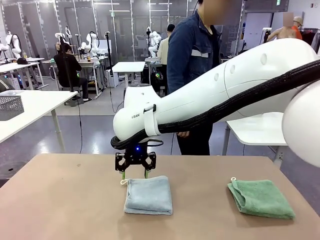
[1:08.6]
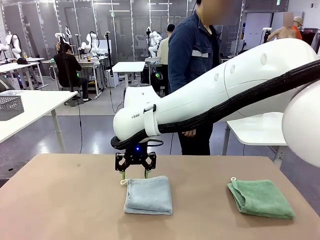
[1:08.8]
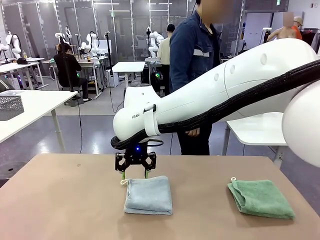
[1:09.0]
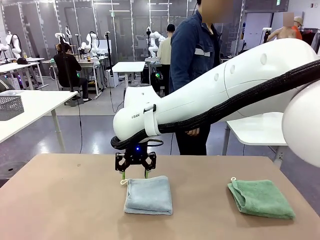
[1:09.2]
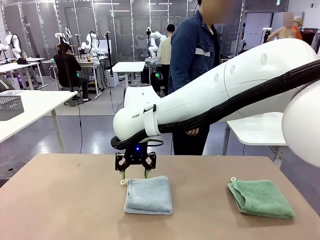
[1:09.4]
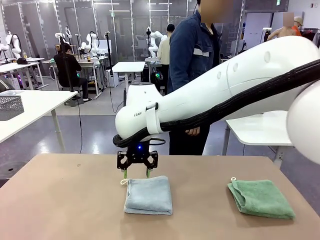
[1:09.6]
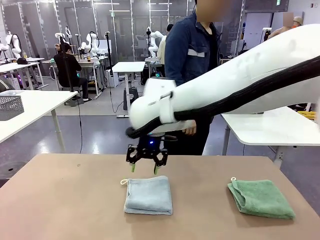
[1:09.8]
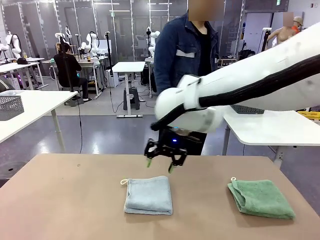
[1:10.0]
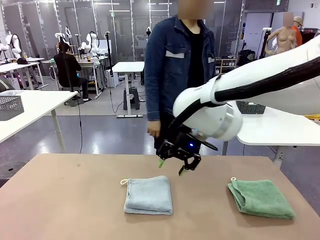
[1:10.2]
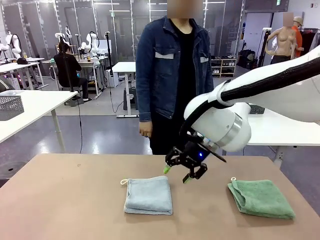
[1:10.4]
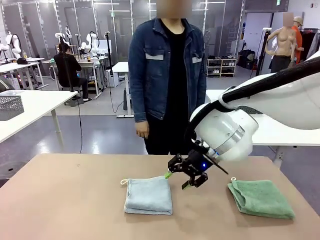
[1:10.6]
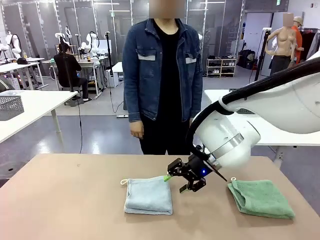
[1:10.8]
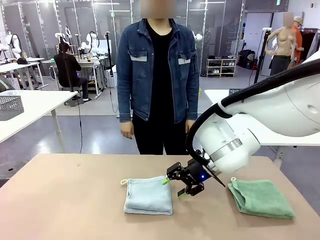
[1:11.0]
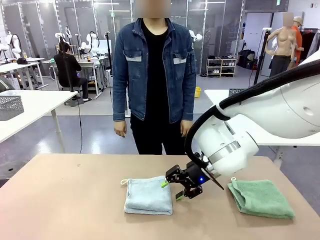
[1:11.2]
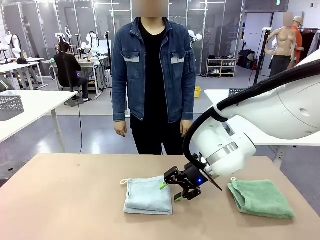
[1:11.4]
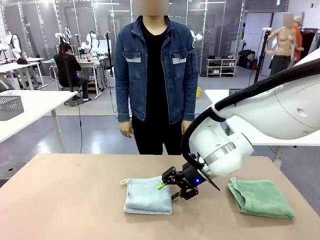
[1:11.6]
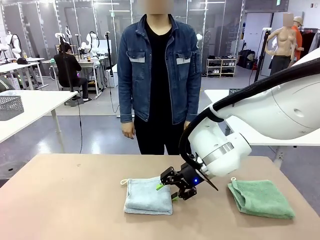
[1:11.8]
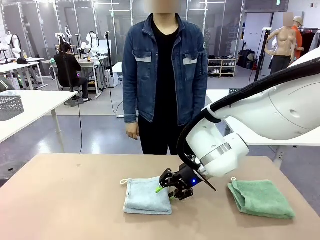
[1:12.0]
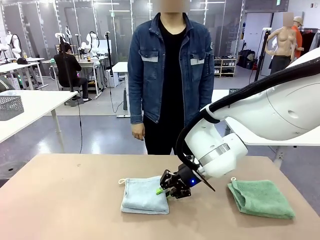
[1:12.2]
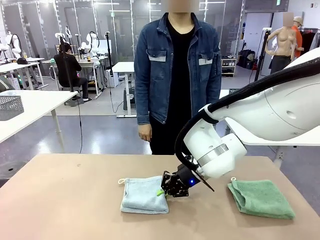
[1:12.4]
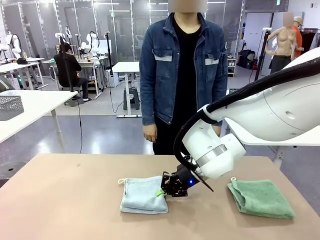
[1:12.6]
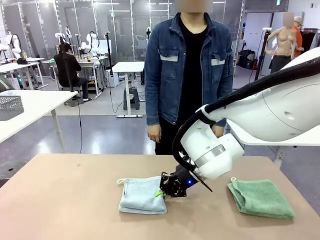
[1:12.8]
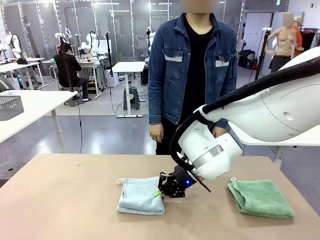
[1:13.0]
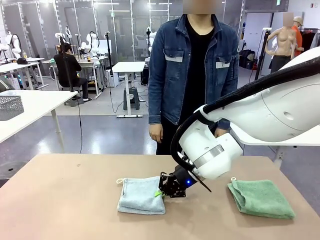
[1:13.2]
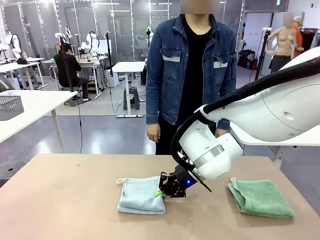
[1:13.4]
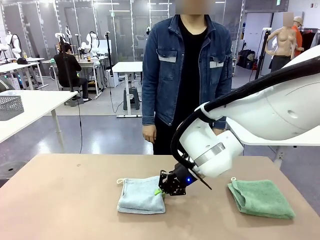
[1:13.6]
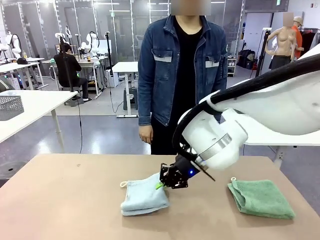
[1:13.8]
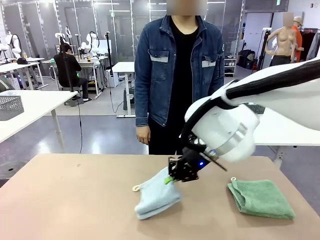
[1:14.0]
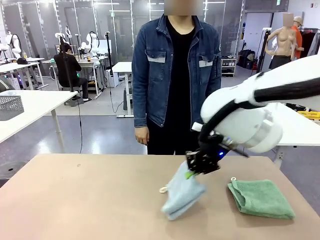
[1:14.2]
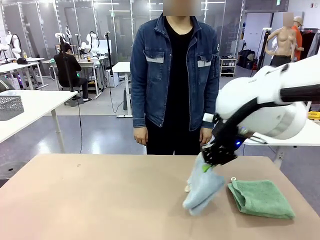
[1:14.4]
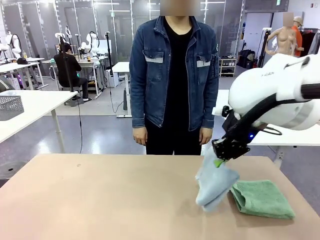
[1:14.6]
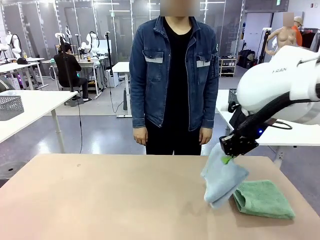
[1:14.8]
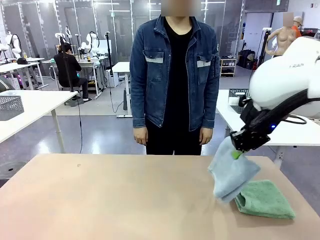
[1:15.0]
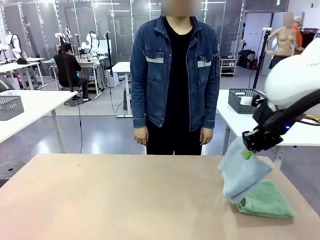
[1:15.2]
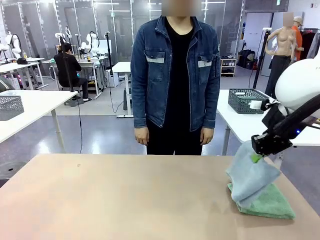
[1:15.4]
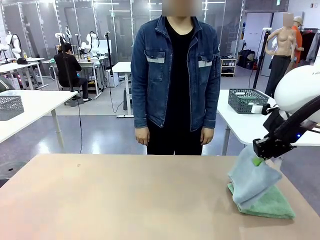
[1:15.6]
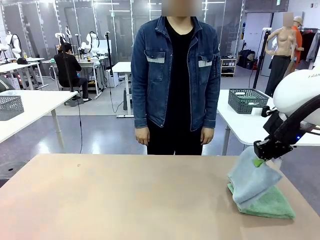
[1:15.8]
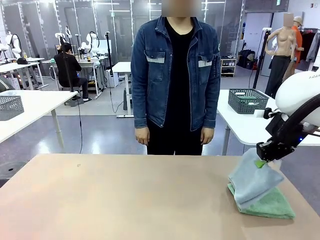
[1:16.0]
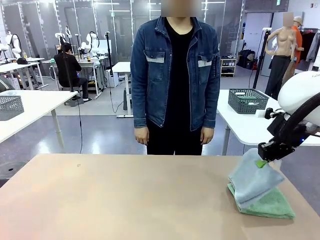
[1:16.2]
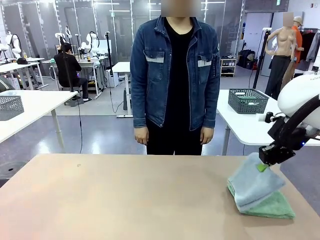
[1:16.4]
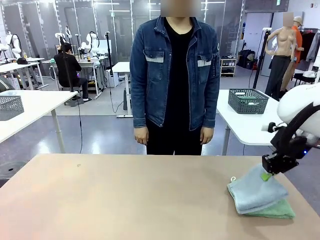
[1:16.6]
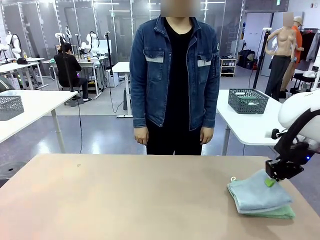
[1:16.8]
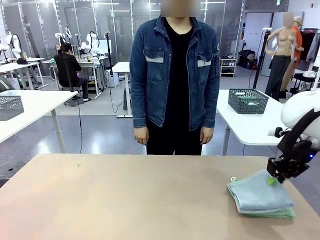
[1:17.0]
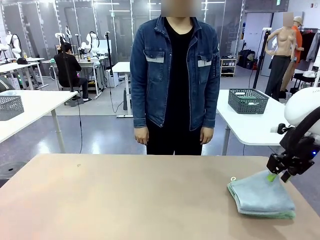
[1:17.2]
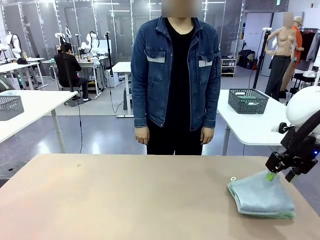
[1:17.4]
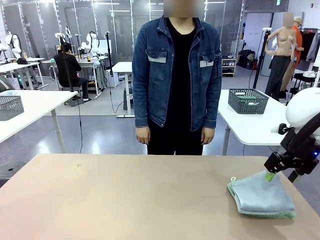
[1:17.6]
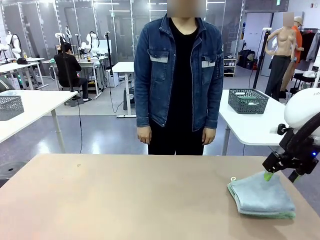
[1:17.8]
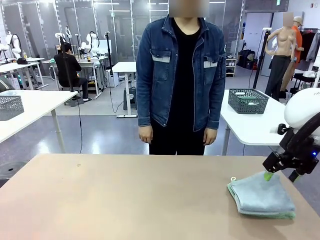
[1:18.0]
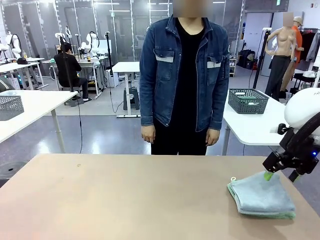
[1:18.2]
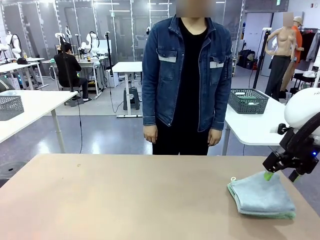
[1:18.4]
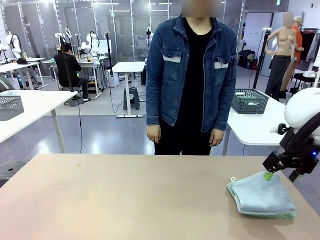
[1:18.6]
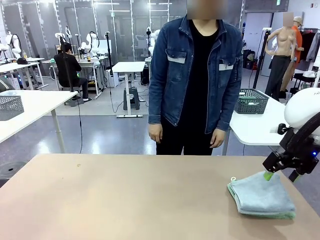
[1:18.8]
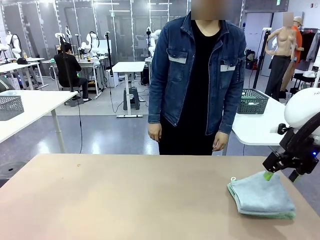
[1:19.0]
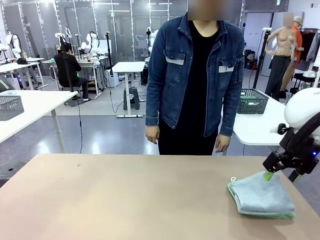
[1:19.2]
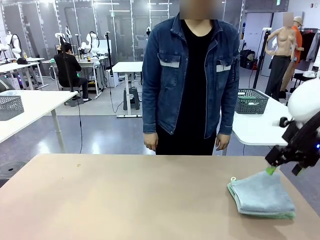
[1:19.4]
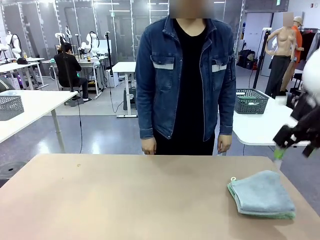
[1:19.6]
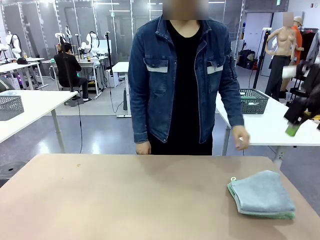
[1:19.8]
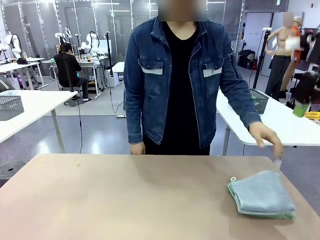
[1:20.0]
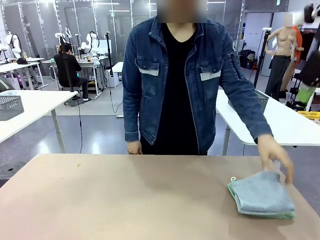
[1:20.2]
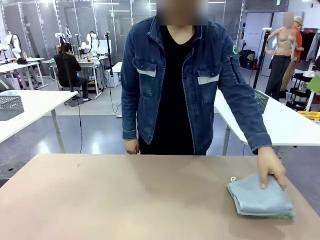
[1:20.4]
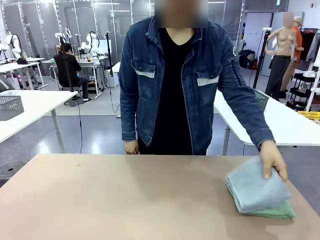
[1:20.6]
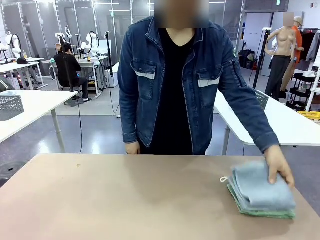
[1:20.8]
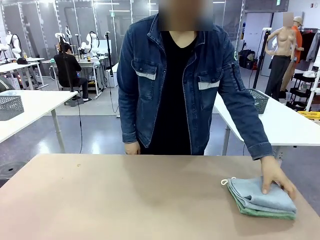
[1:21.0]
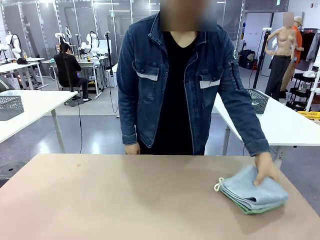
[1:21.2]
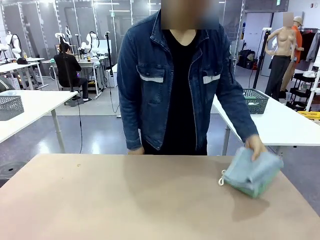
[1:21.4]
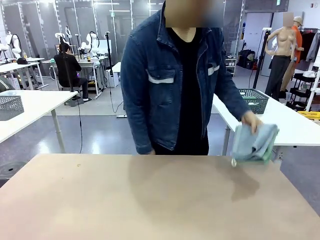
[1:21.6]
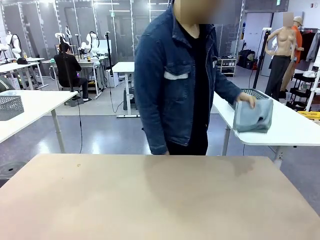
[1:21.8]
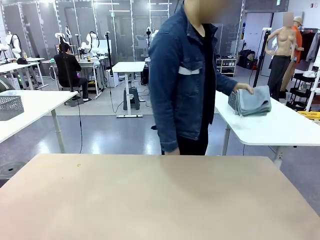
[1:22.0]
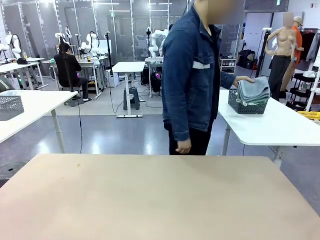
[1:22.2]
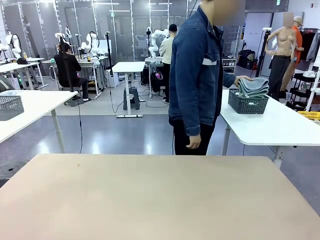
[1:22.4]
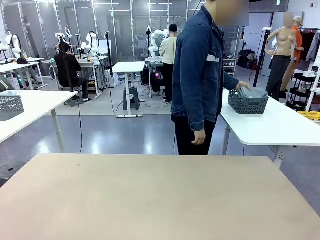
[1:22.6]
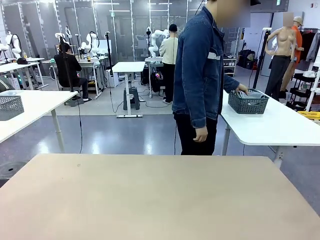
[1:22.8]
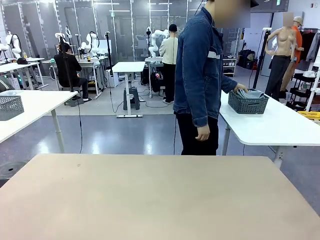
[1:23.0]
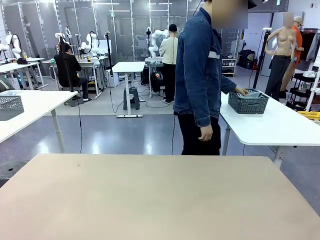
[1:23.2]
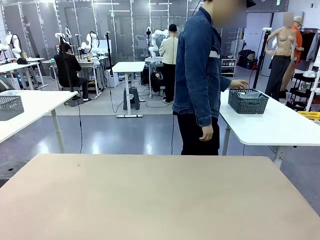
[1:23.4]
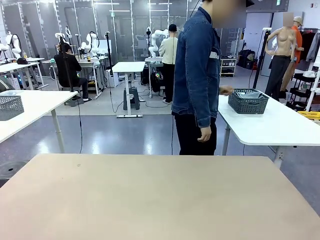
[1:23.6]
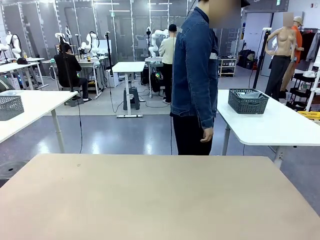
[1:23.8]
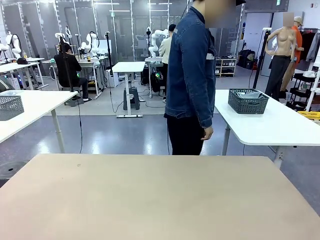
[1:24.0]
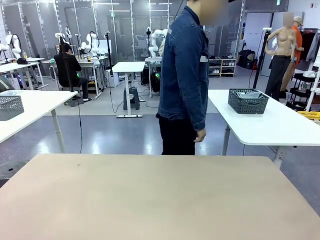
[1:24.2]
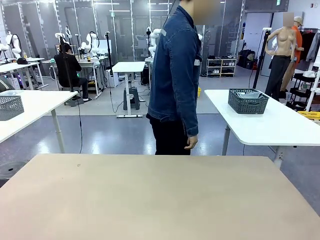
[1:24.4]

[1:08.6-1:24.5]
Task: Fold the towels and place them in the basket.
Robot: Stack the folded Towel with hook on the right side of the table.
Person: Pick up the stack of towels from the robot table and place it into the basket.
